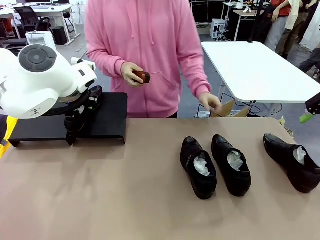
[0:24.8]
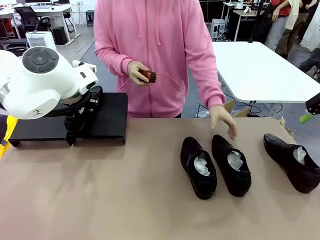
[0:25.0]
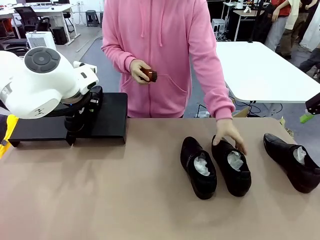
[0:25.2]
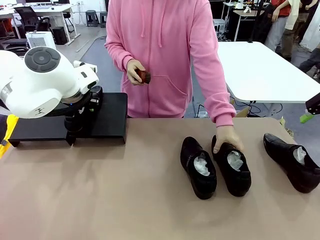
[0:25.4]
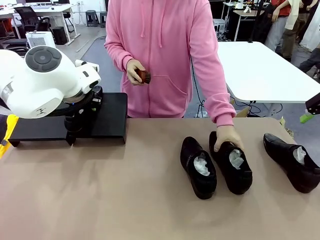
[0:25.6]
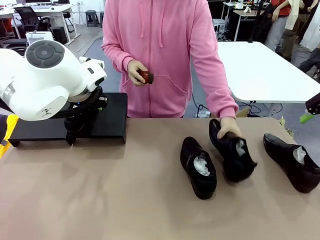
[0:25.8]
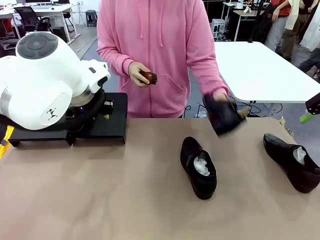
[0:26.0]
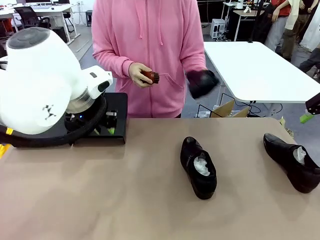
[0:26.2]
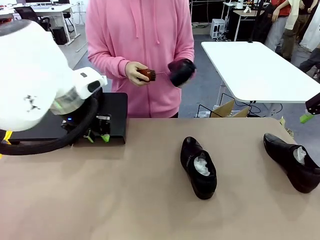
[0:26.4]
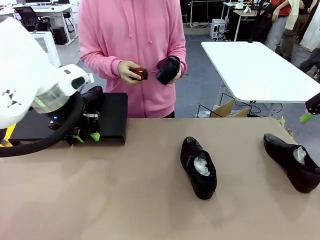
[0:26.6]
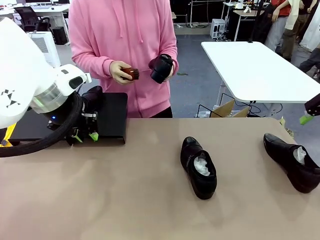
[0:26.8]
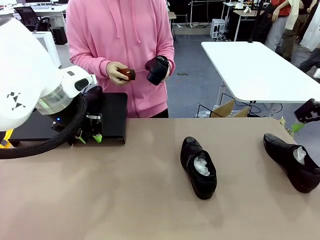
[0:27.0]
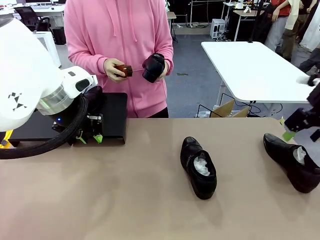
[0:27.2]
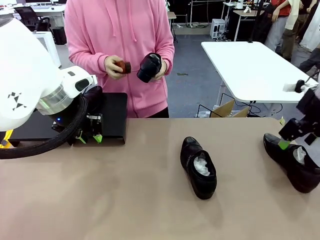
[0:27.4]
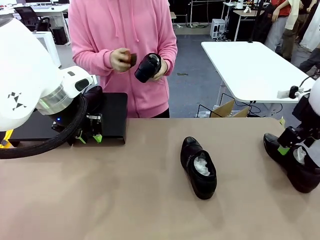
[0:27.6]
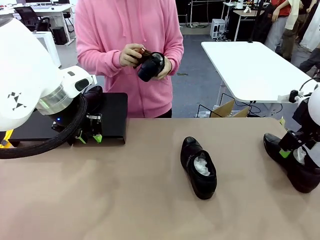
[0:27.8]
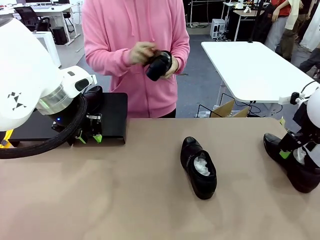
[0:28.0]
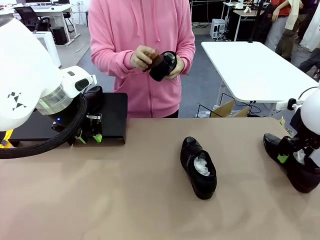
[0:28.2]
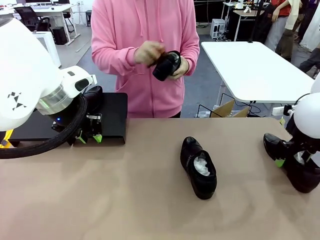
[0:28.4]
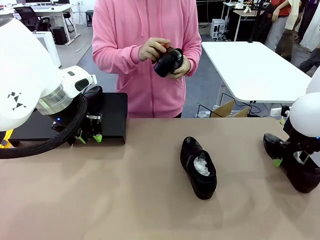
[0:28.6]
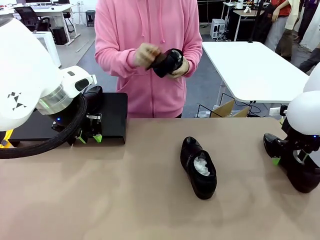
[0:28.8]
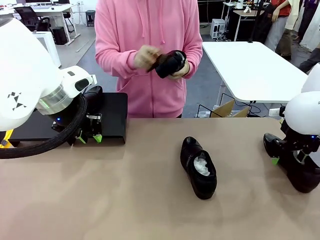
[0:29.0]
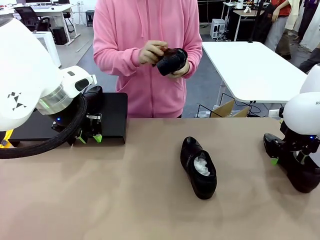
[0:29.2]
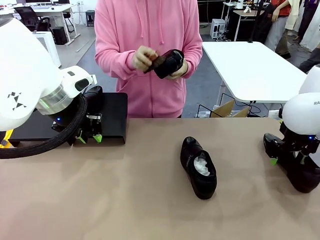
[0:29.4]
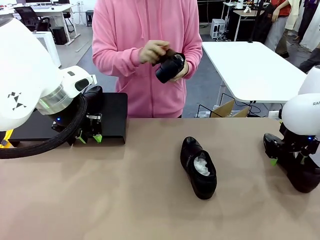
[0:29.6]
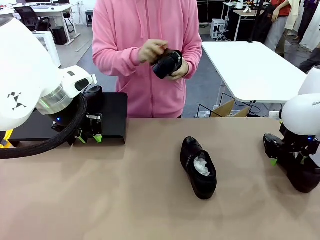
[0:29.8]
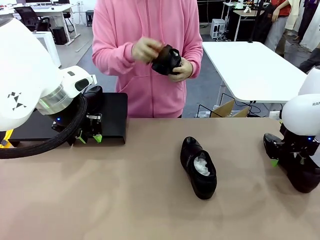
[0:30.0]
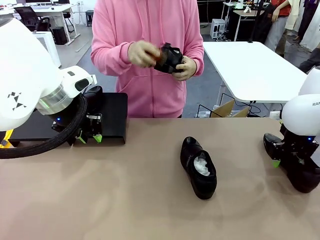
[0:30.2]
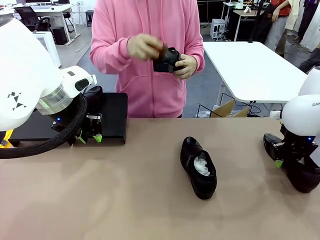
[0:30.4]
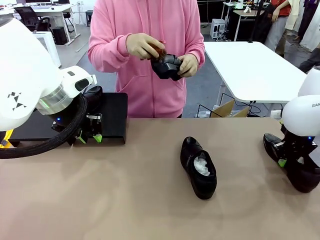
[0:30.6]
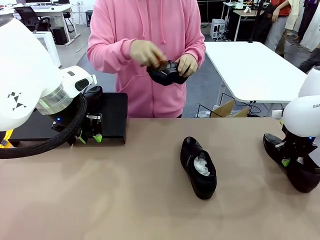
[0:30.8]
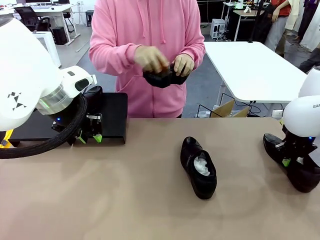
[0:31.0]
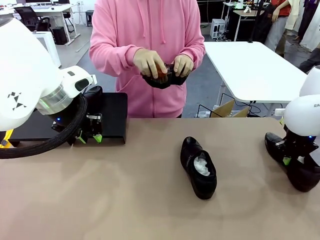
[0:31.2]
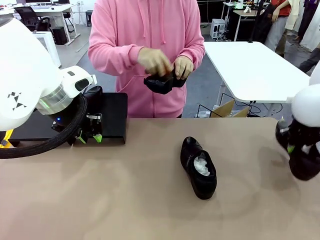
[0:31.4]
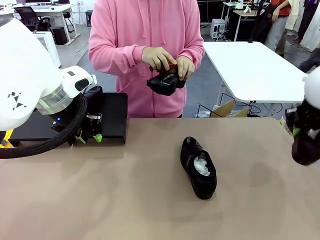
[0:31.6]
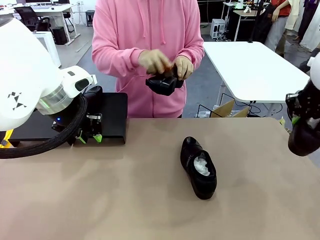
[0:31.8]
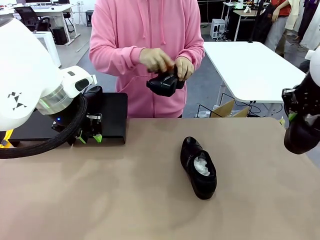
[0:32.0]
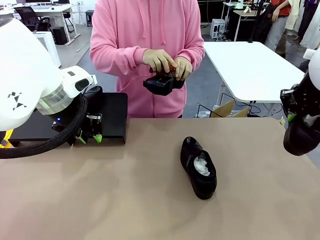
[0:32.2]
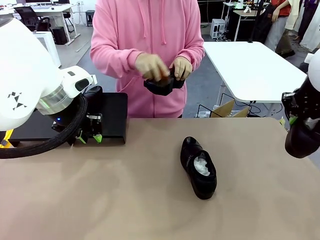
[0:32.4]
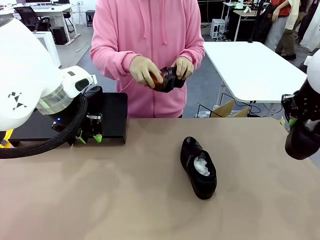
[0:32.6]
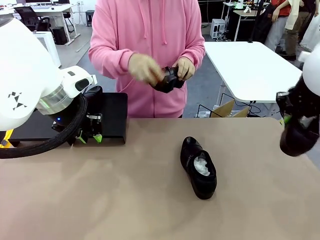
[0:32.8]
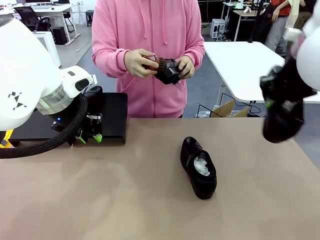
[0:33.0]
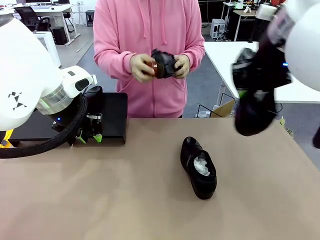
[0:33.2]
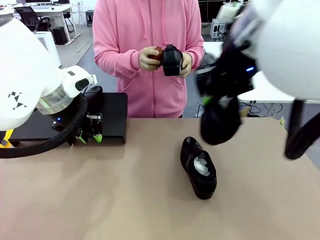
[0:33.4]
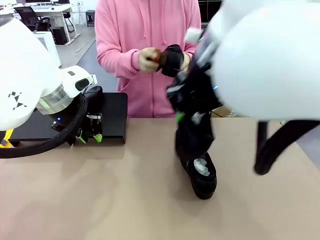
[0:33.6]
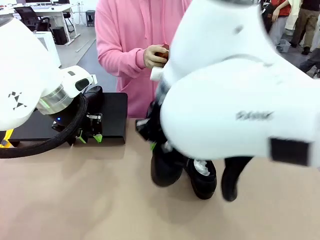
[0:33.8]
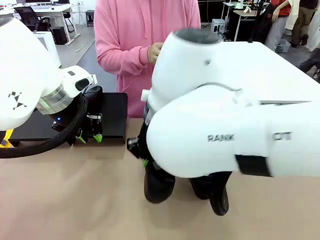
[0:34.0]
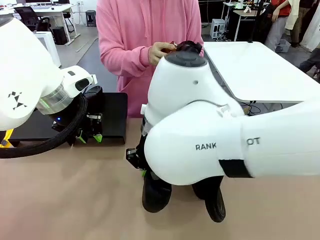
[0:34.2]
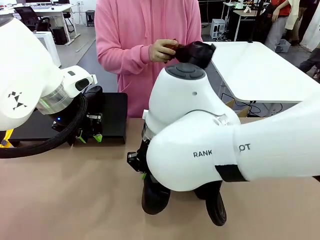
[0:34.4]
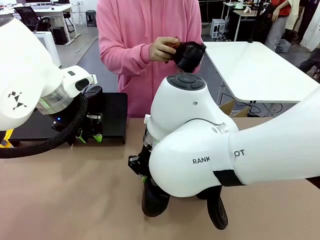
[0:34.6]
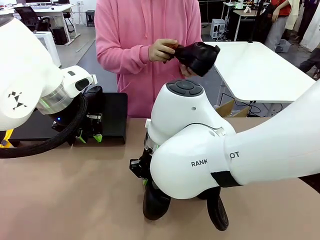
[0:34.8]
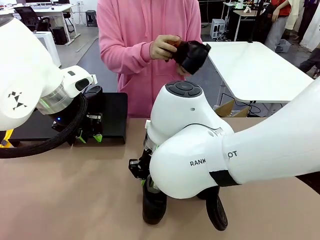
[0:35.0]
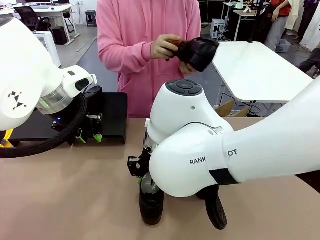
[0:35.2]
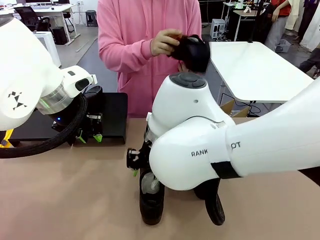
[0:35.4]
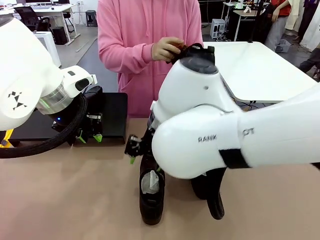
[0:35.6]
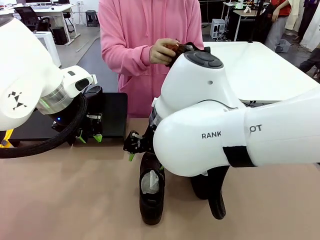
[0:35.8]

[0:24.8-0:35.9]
Task: Organize the shoes by placing them on the stand.
Robot: Pick up one Shoe and place it in the middle of the table.
Person: Pick one Shoe on Robot's table. Clean the Shoe with the Shoe Brush.

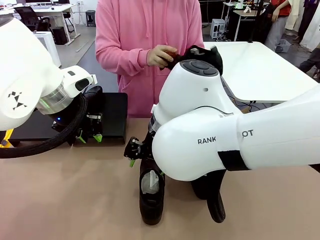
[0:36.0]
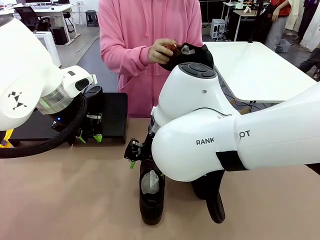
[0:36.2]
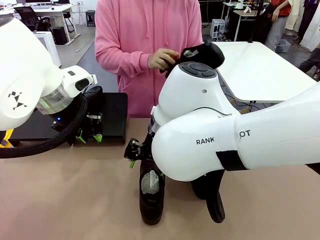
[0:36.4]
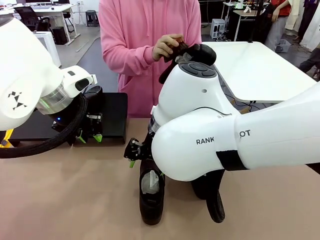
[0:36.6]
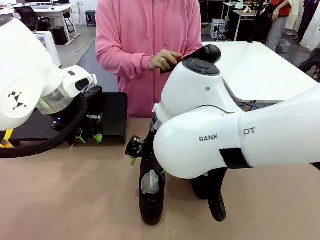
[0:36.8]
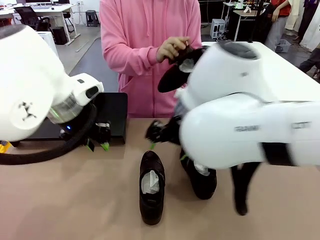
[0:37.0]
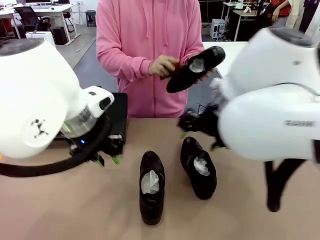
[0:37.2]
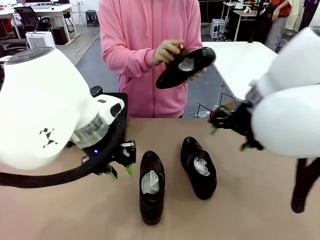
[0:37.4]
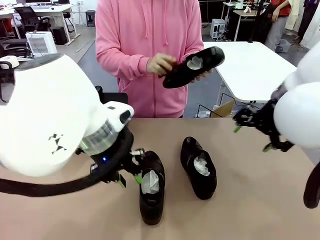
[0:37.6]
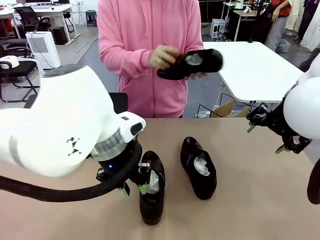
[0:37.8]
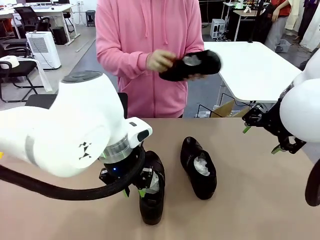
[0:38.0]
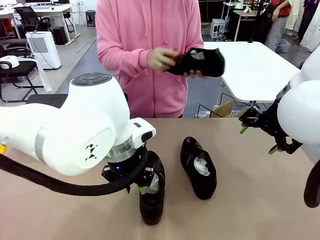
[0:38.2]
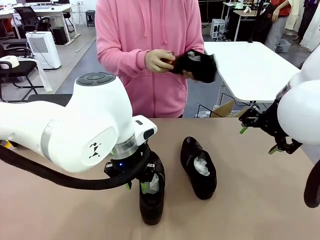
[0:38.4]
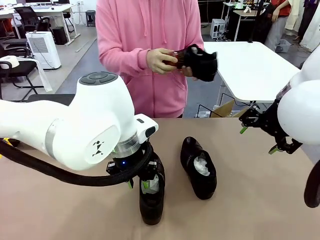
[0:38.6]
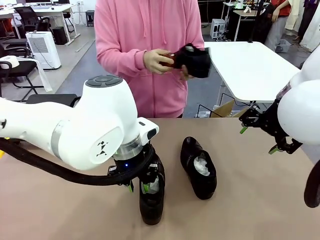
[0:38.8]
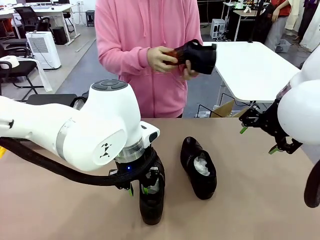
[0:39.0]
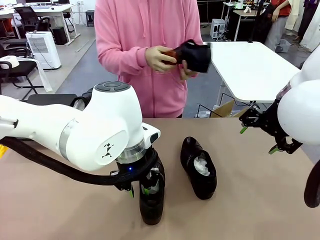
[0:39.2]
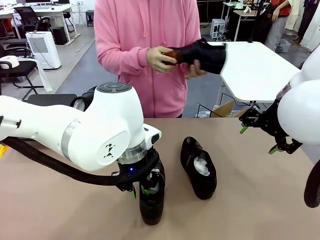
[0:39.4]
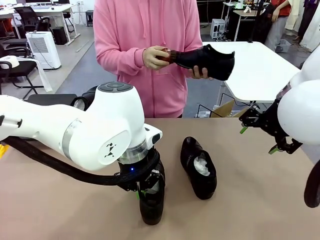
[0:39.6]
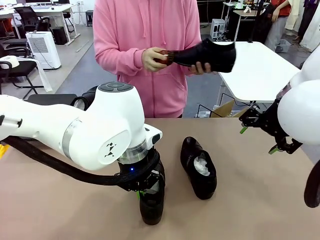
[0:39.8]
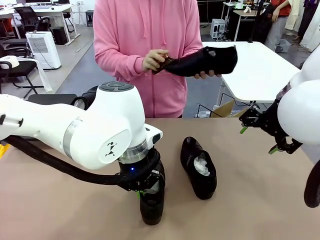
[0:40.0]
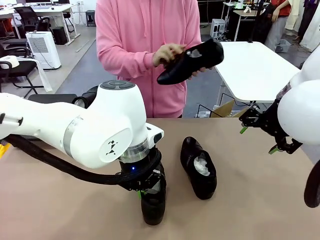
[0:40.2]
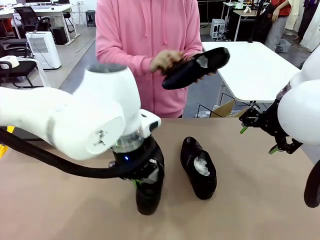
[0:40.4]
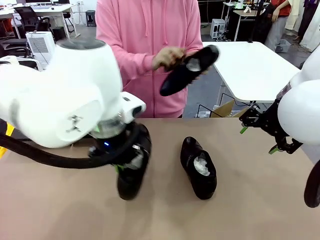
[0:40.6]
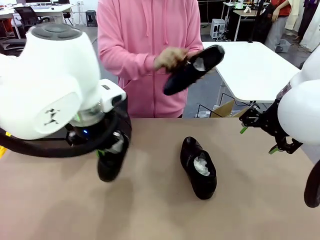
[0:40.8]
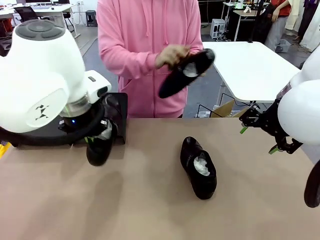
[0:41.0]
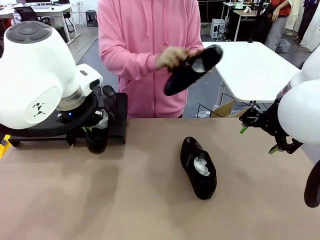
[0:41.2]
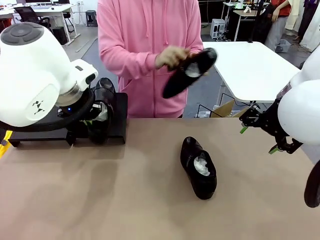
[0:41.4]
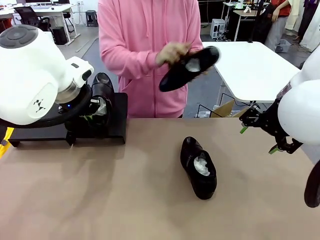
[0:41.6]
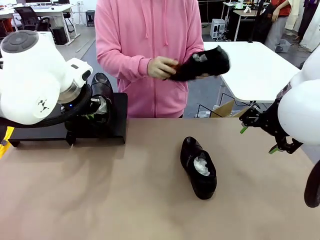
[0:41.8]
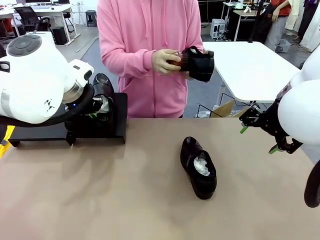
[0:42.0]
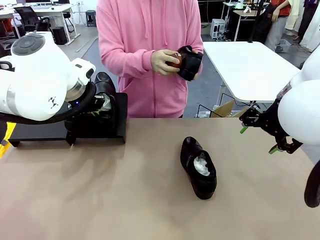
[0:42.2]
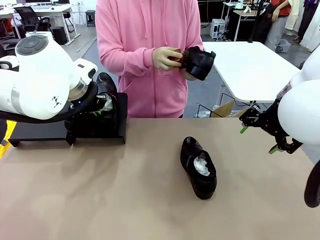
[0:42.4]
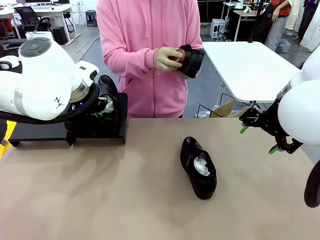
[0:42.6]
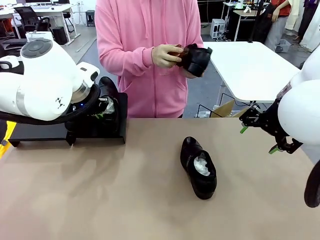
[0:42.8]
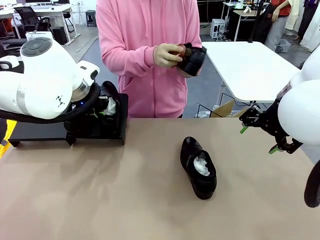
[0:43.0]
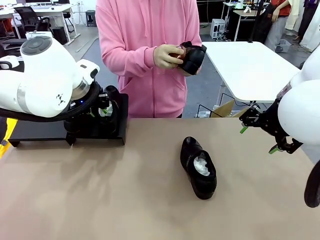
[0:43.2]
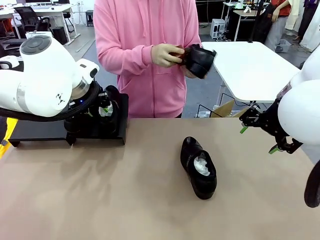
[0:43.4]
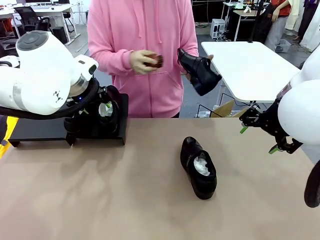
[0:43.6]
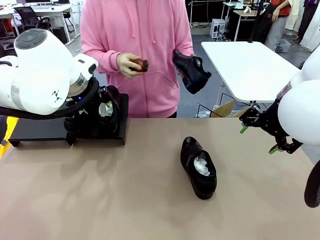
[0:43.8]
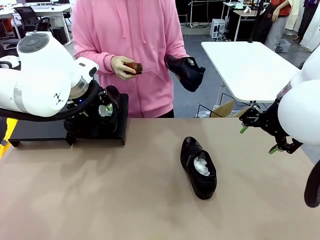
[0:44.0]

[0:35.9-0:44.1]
Robot: Place the Shoe from the middle of the table onto the Shoes Stand.
